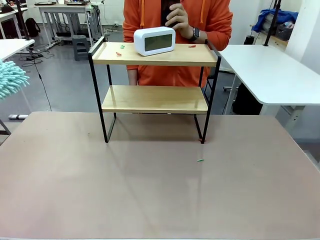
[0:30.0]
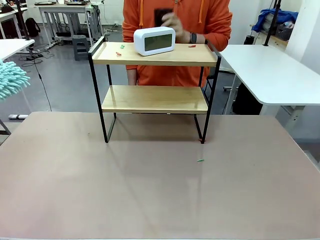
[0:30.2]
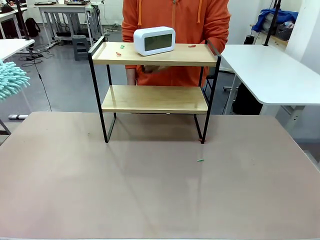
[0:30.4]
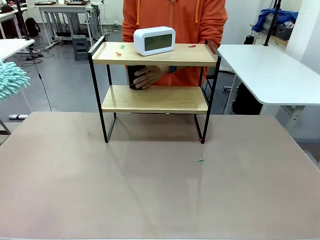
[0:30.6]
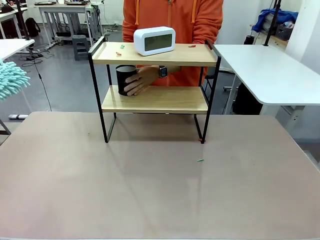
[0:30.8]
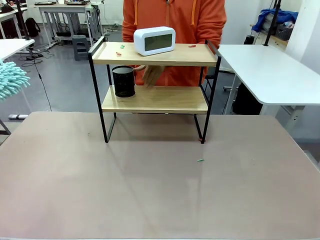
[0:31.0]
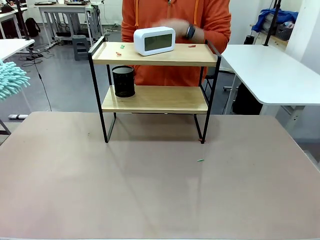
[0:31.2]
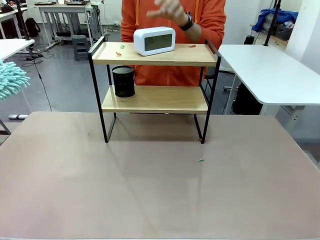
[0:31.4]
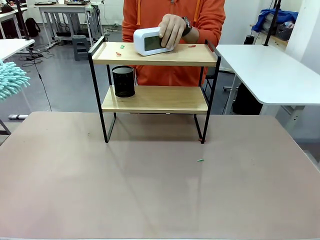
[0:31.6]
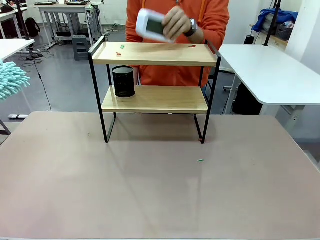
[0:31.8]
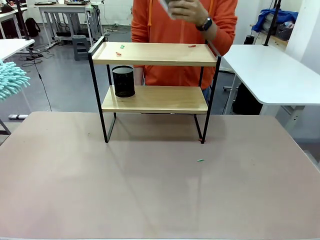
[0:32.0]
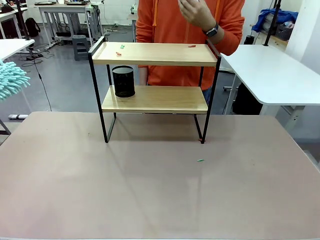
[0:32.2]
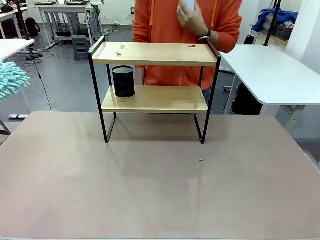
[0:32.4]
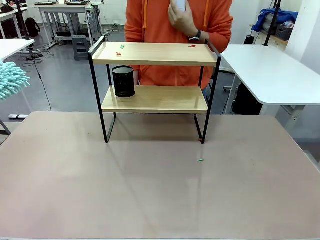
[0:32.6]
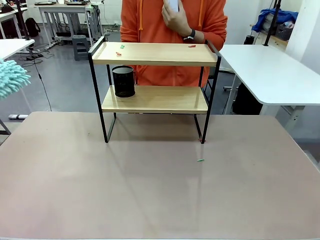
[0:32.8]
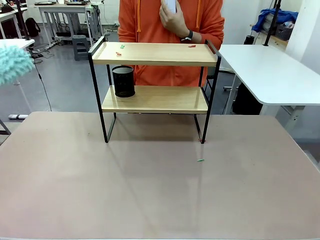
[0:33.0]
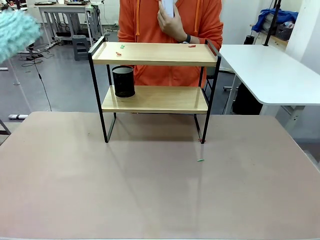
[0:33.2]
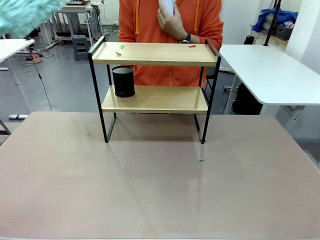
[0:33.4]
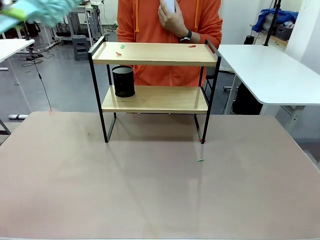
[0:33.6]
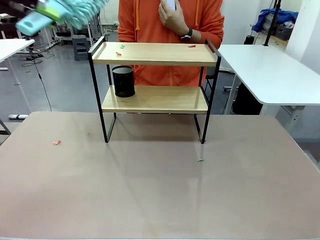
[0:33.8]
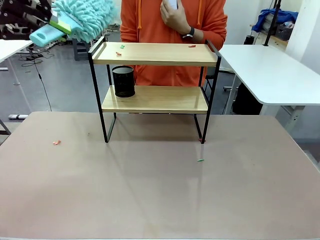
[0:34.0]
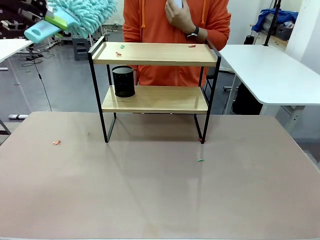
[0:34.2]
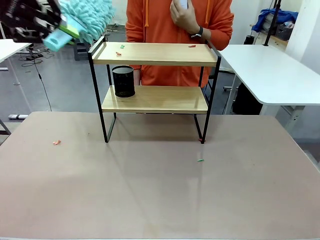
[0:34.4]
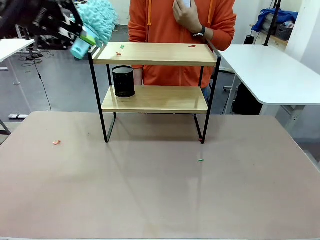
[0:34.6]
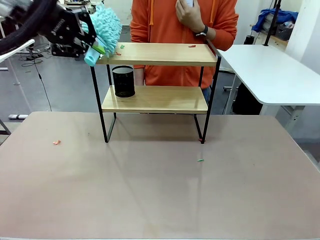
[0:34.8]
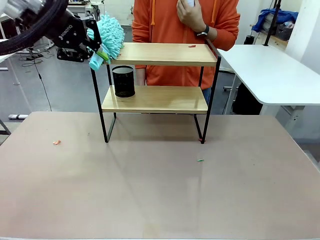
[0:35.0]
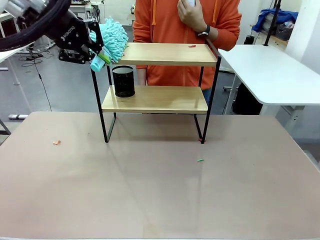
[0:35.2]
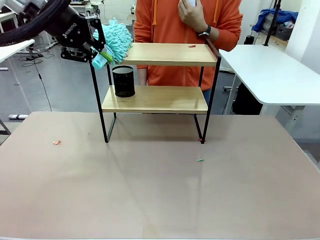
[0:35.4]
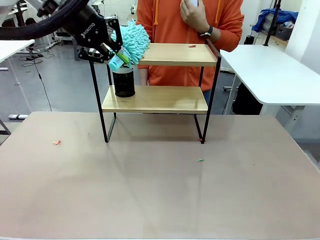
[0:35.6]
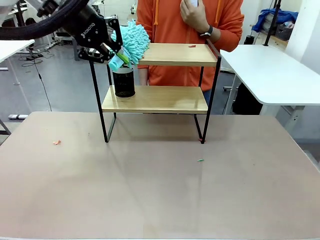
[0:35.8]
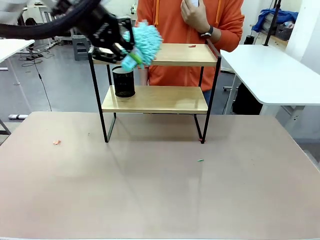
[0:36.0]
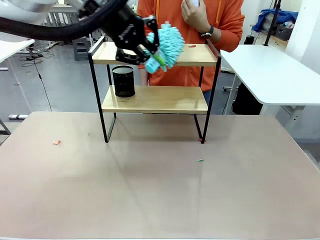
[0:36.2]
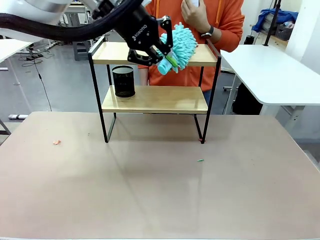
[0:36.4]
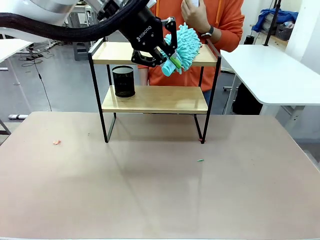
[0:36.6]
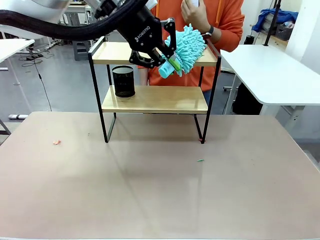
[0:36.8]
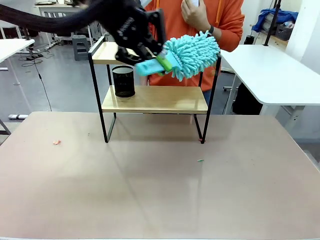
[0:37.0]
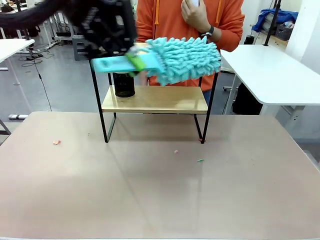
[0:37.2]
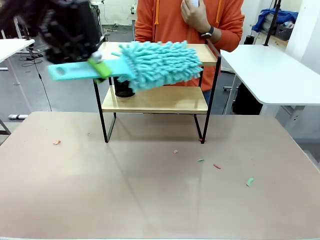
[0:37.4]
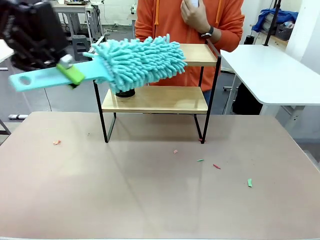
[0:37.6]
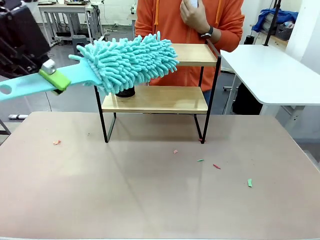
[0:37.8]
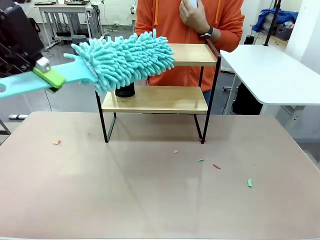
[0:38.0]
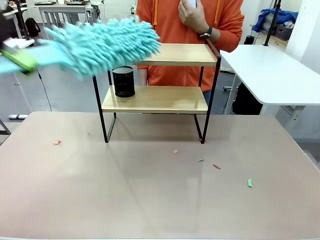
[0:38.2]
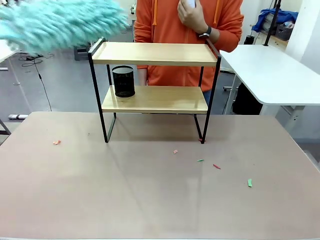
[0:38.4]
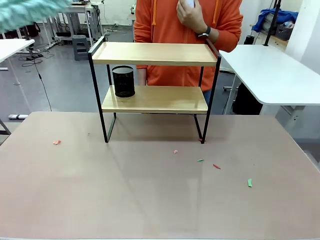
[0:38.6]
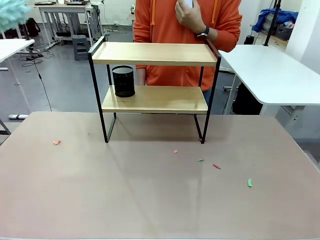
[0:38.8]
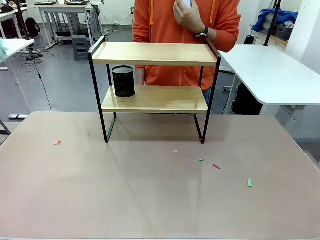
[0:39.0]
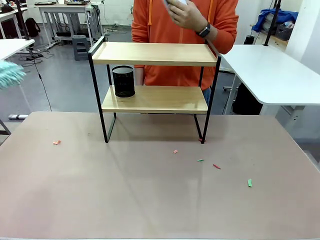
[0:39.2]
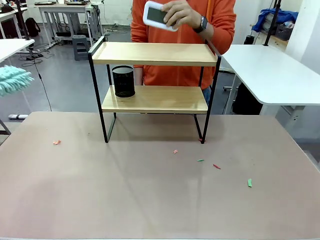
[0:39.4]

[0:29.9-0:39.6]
Task: Clean the shelf.
Robot: Clean the remaining tier of the Shelf with the Duster once objects are removed.

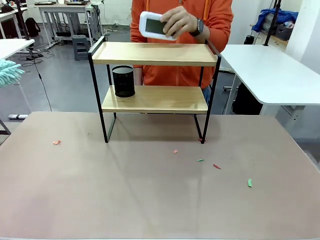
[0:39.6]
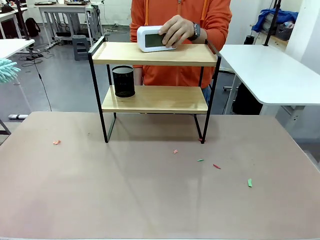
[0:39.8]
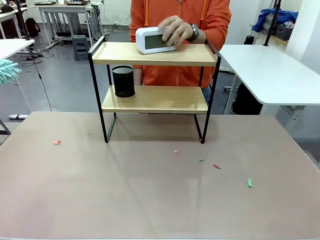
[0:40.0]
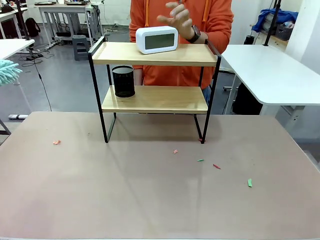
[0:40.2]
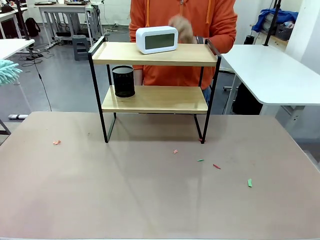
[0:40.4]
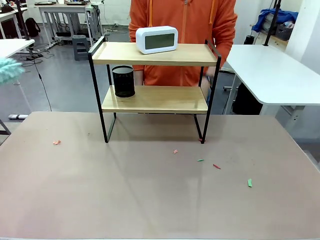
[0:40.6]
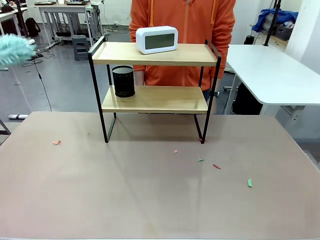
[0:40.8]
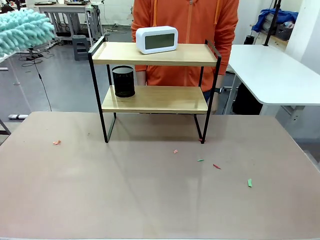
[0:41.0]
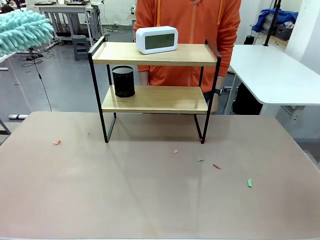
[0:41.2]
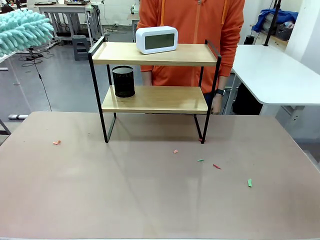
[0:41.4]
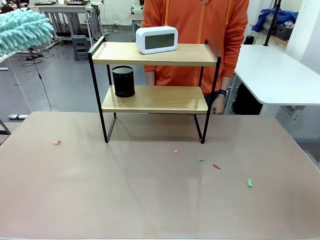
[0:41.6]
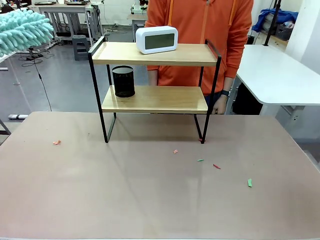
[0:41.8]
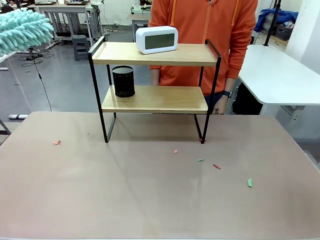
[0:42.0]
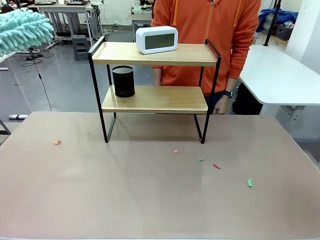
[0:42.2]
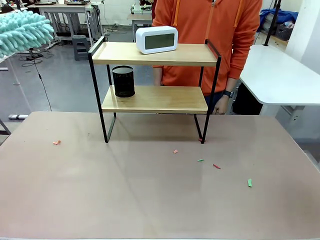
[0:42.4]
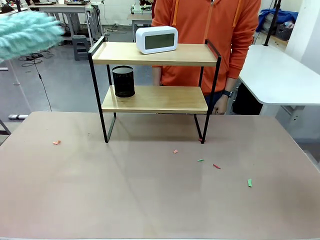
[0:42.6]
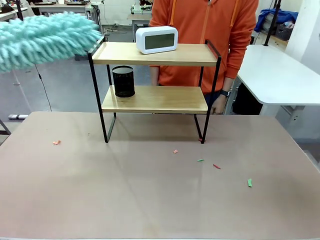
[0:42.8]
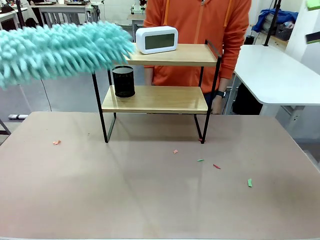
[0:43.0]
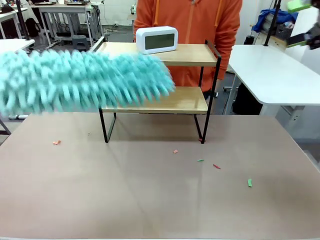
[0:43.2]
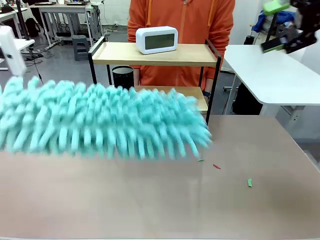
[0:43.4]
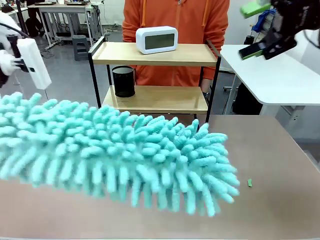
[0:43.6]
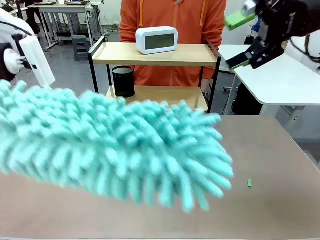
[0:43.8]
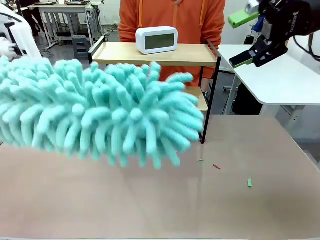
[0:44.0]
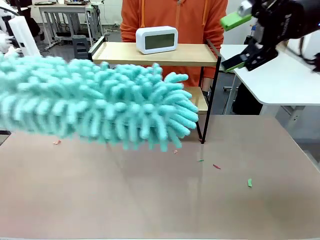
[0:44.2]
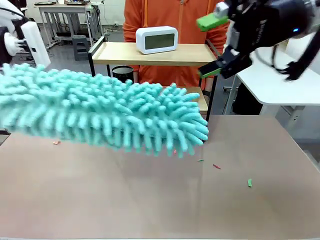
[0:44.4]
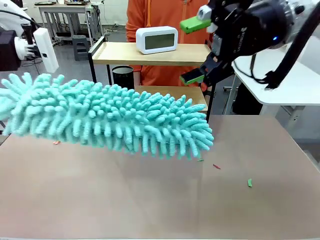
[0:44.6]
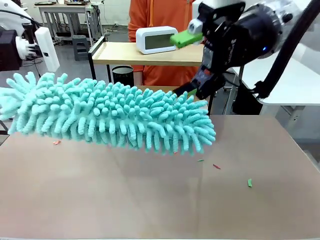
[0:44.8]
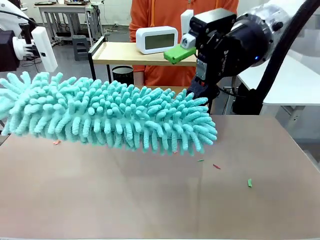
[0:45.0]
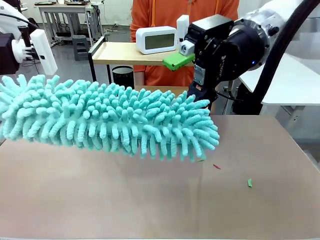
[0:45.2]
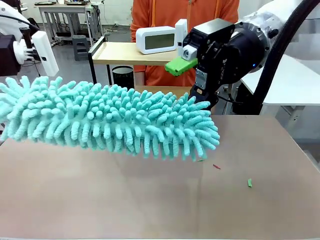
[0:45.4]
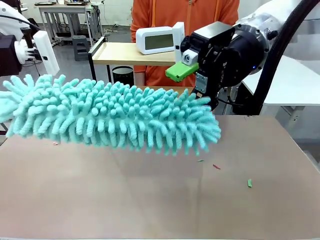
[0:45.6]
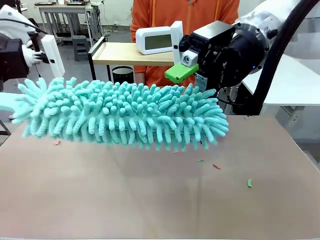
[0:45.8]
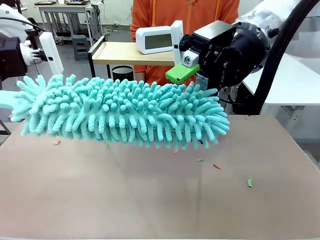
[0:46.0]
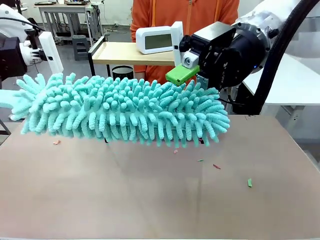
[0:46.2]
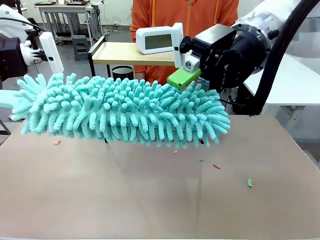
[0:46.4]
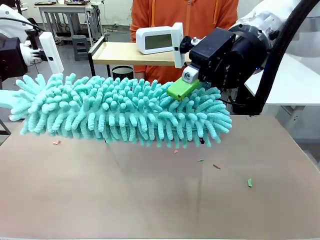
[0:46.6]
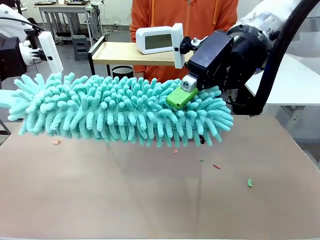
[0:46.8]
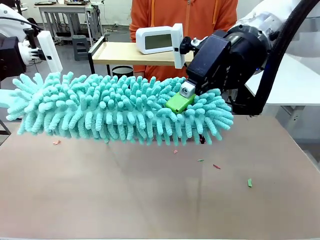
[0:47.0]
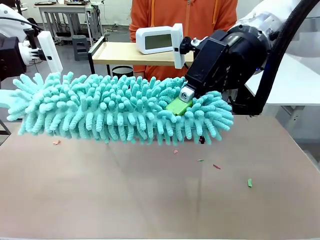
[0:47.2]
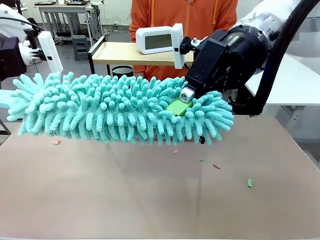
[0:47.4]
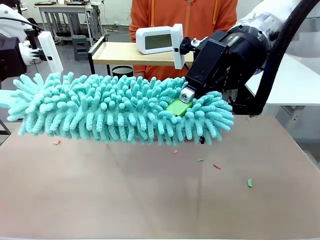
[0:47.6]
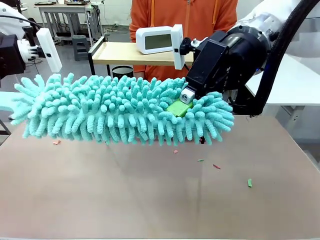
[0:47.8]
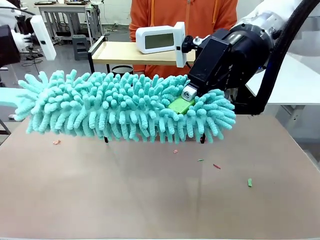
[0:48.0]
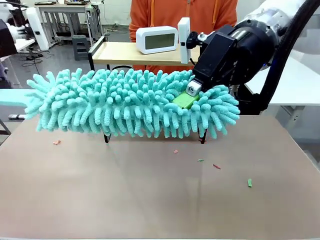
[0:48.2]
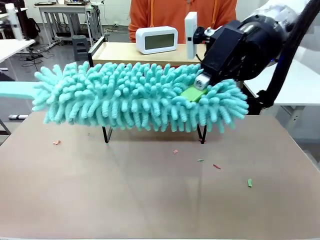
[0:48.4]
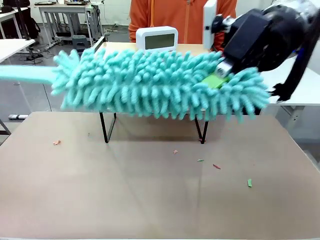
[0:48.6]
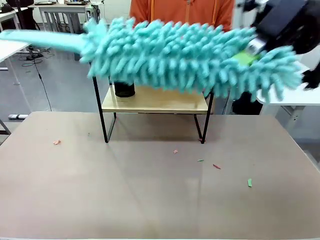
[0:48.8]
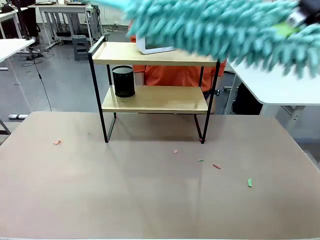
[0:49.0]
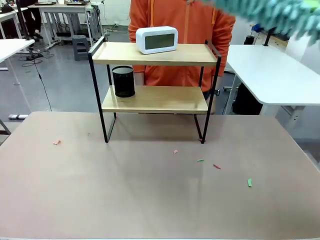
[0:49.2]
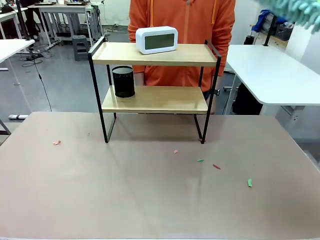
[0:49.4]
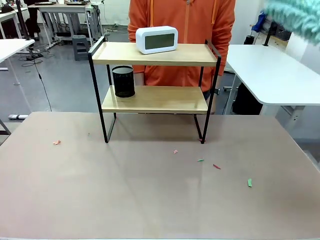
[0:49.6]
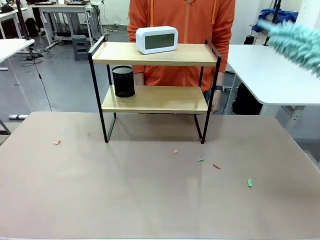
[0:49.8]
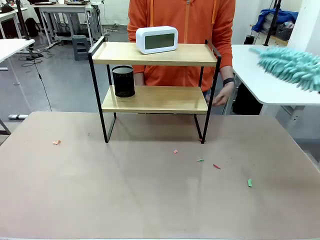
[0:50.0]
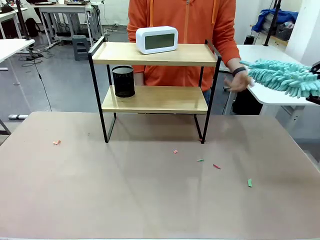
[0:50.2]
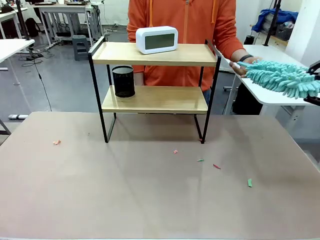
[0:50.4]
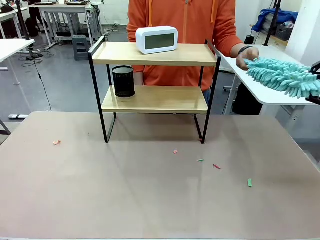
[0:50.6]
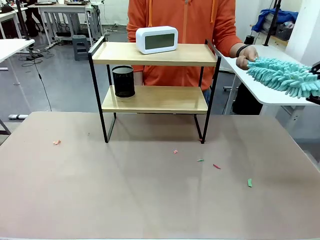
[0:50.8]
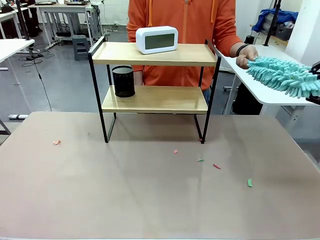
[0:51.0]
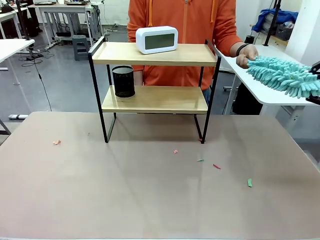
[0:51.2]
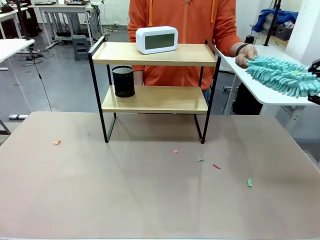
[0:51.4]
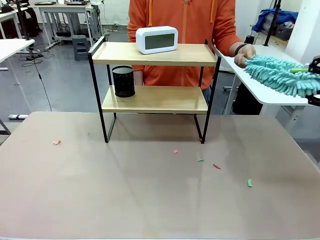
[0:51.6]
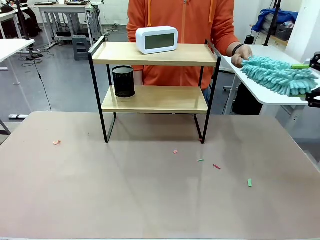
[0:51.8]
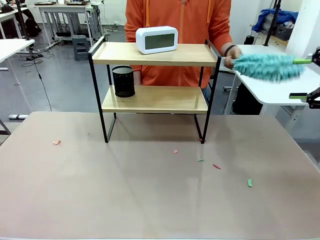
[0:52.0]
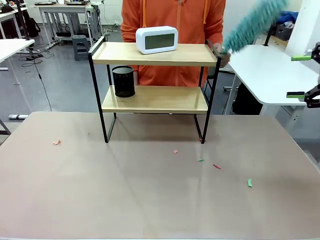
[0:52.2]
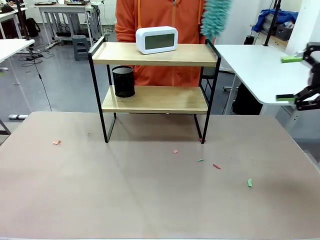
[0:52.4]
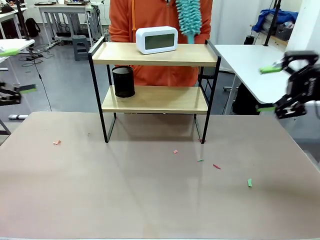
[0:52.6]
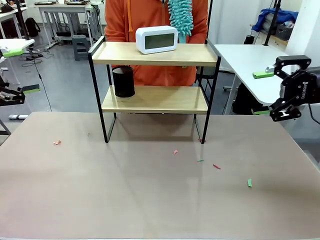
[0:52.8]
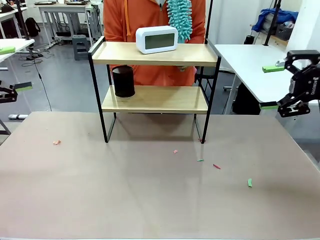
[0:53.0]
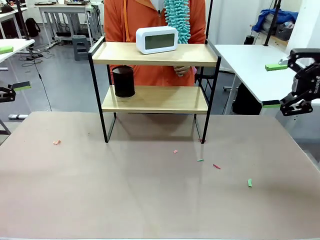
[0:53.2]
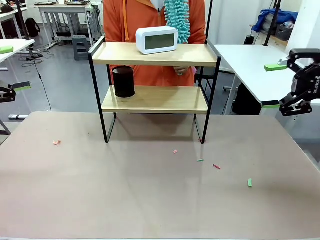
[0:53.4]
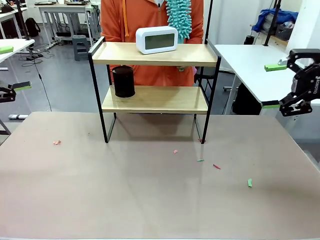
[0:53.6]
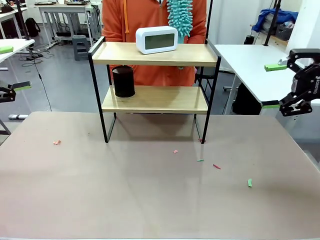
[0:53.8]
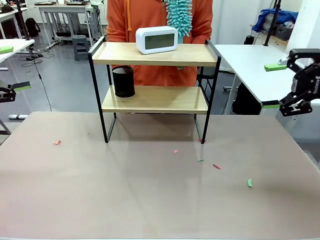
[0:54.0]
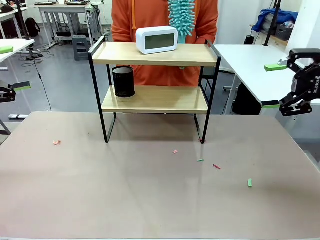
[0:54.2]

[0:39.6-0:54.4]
Robot: Hand the Duster back to the human.
Person: Receive the Duster from the robot.
